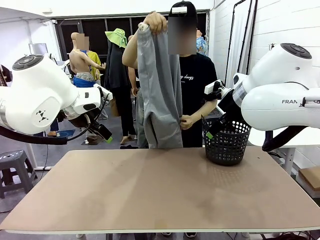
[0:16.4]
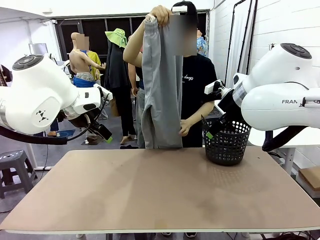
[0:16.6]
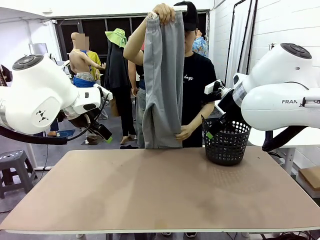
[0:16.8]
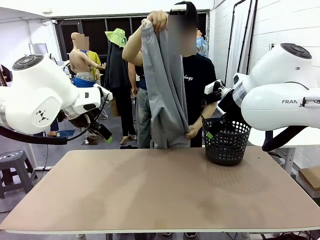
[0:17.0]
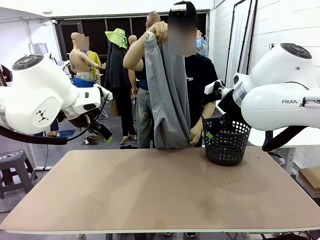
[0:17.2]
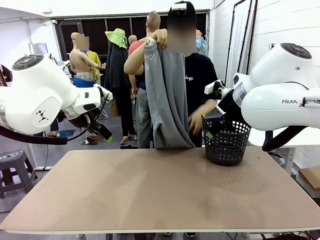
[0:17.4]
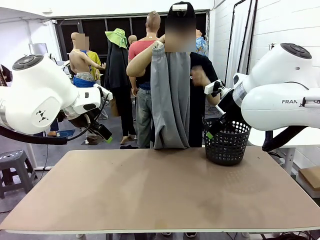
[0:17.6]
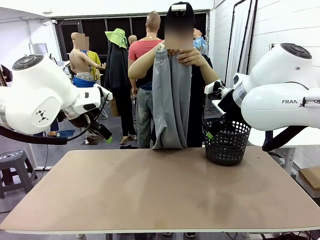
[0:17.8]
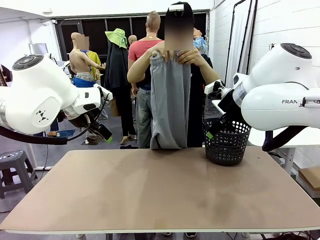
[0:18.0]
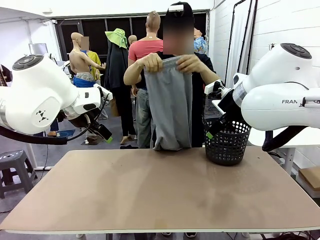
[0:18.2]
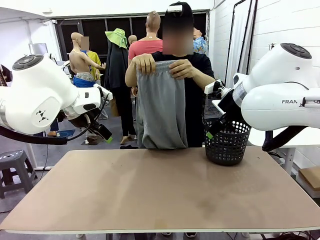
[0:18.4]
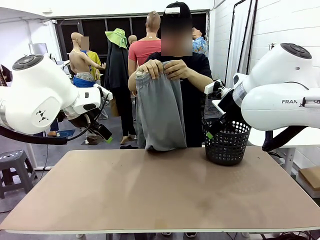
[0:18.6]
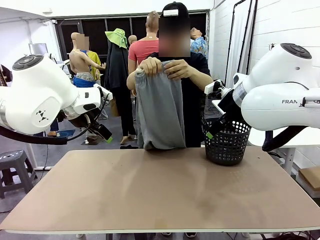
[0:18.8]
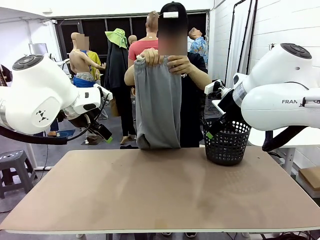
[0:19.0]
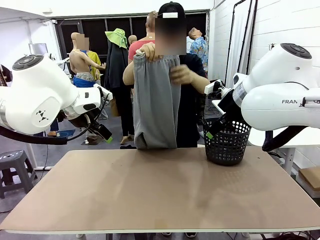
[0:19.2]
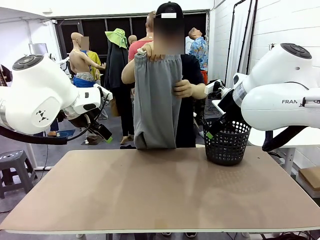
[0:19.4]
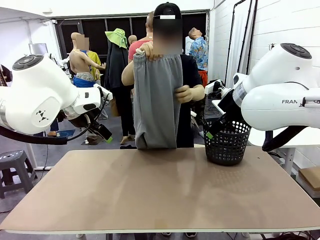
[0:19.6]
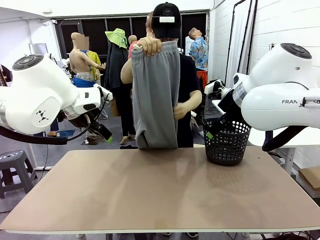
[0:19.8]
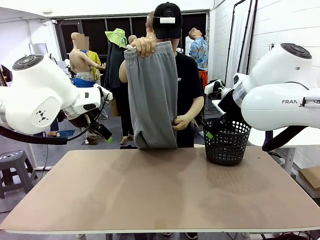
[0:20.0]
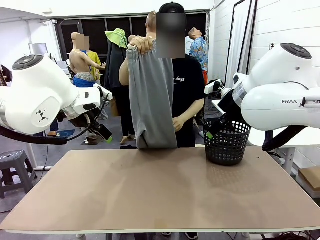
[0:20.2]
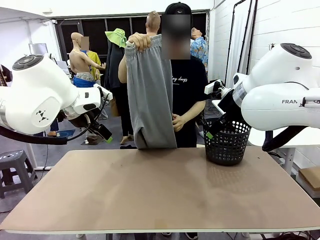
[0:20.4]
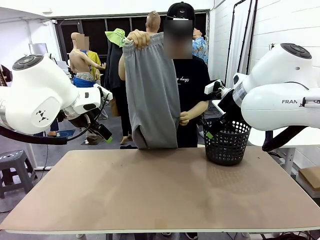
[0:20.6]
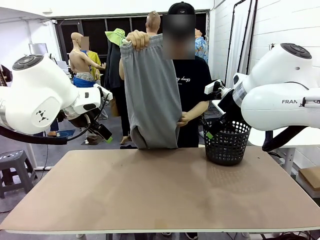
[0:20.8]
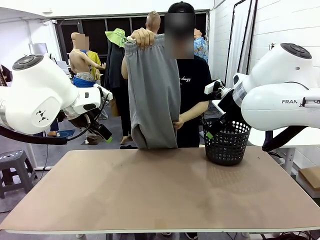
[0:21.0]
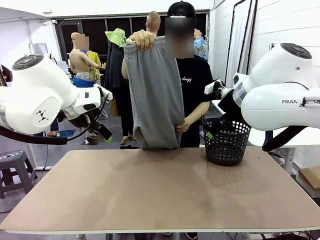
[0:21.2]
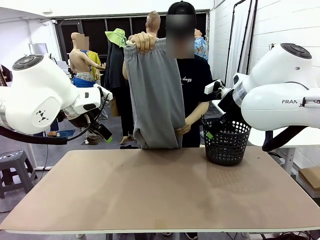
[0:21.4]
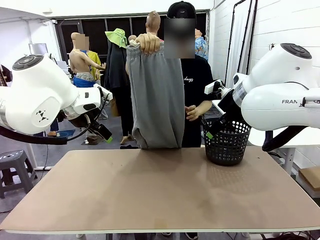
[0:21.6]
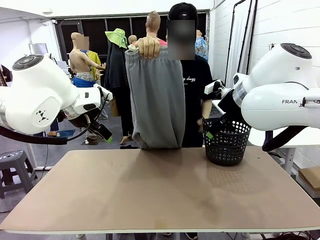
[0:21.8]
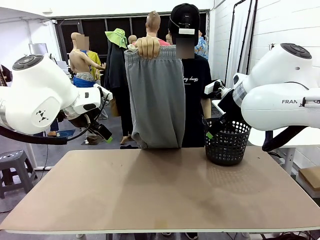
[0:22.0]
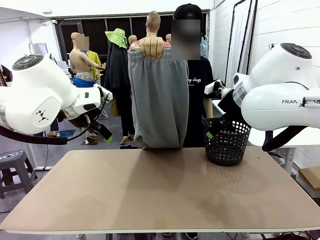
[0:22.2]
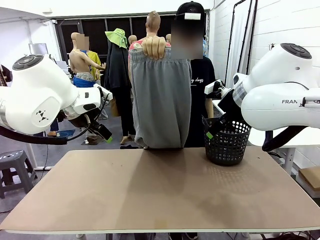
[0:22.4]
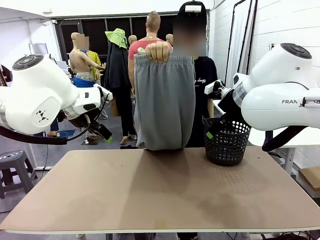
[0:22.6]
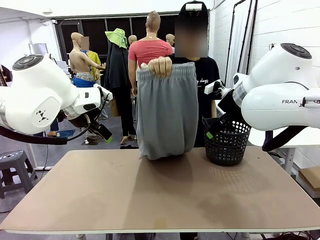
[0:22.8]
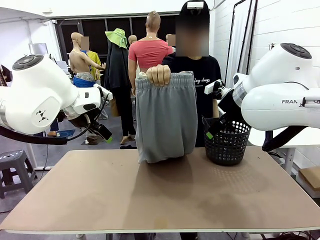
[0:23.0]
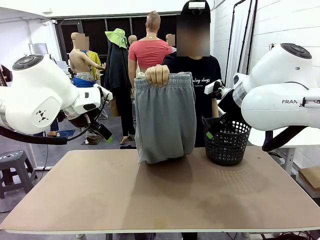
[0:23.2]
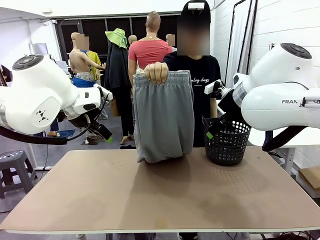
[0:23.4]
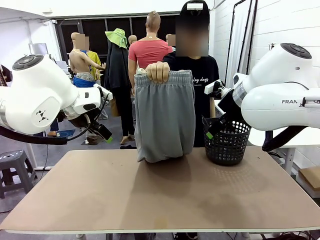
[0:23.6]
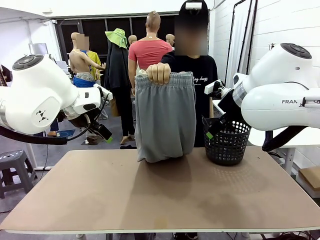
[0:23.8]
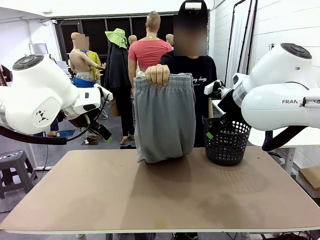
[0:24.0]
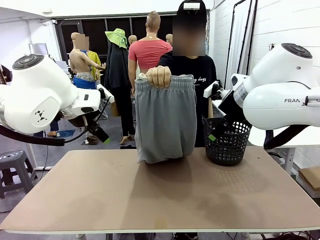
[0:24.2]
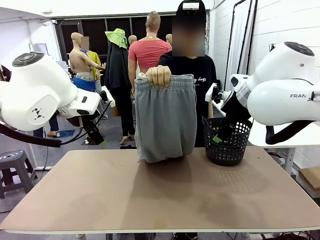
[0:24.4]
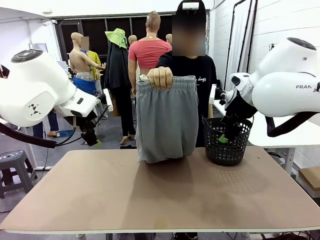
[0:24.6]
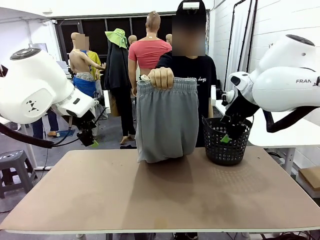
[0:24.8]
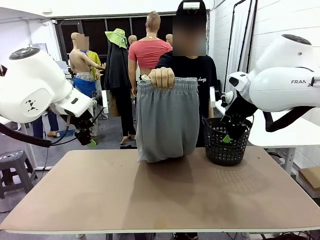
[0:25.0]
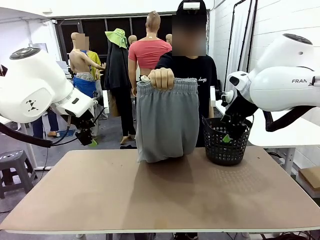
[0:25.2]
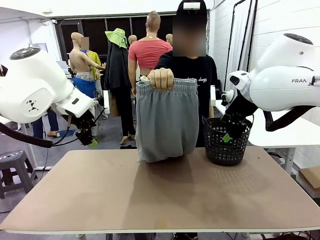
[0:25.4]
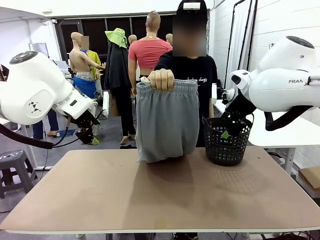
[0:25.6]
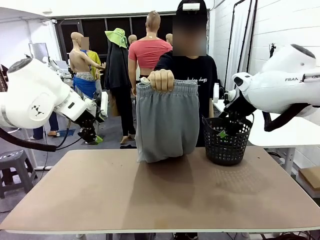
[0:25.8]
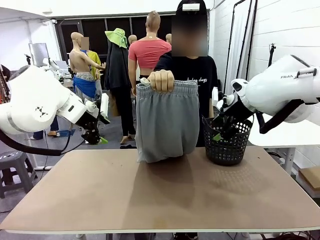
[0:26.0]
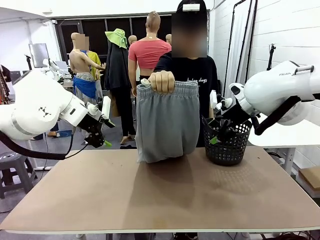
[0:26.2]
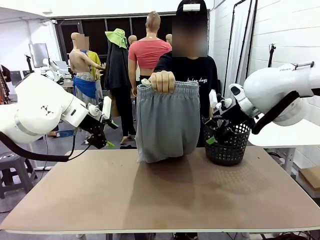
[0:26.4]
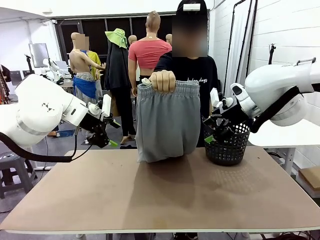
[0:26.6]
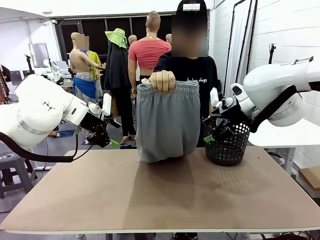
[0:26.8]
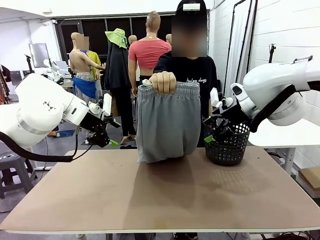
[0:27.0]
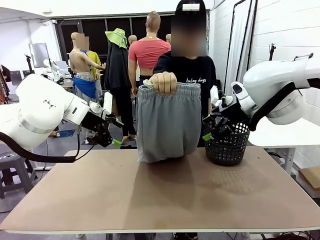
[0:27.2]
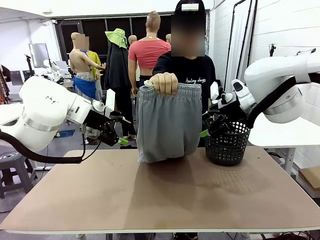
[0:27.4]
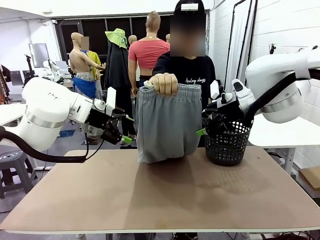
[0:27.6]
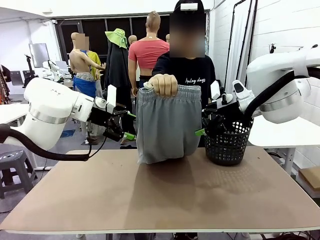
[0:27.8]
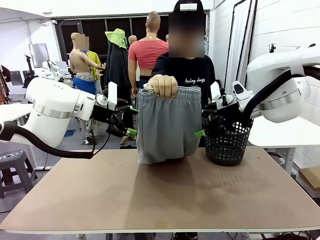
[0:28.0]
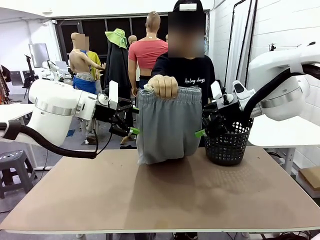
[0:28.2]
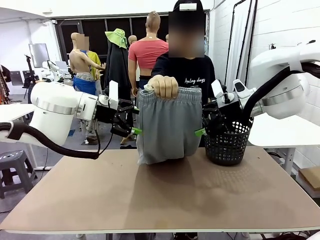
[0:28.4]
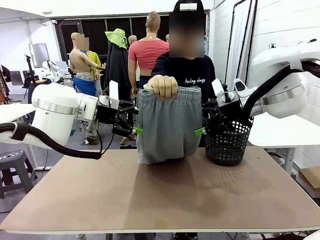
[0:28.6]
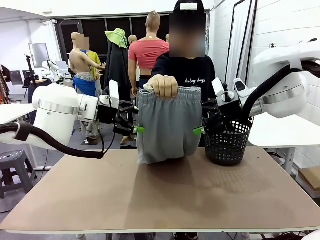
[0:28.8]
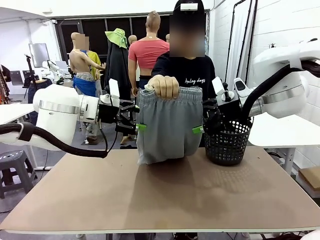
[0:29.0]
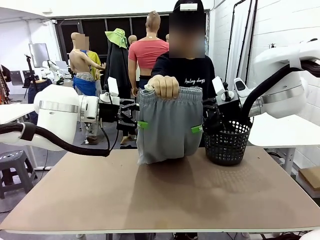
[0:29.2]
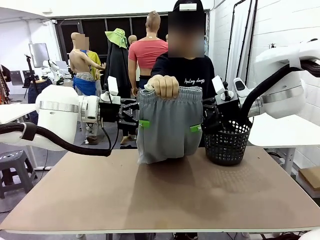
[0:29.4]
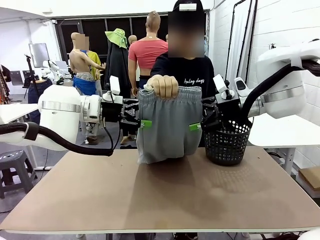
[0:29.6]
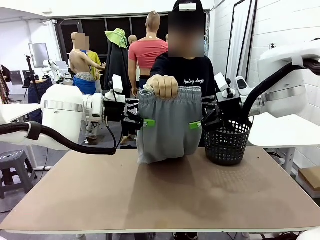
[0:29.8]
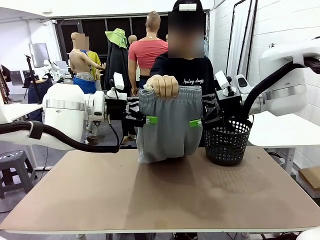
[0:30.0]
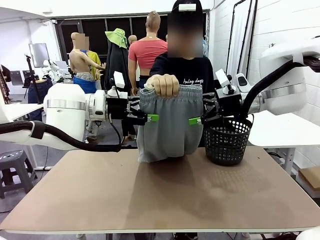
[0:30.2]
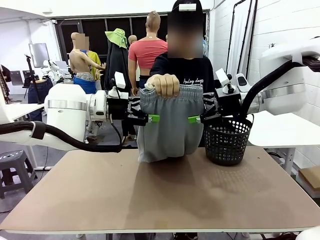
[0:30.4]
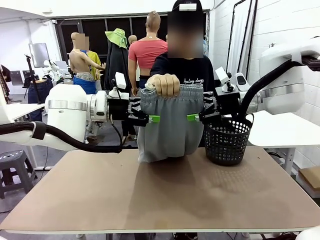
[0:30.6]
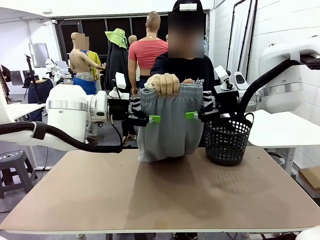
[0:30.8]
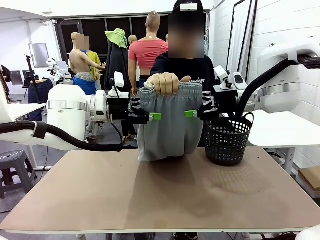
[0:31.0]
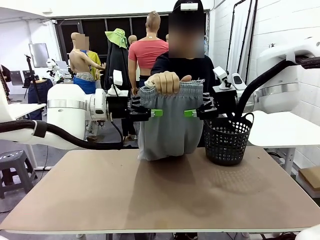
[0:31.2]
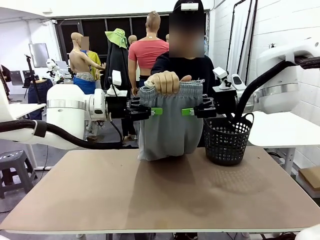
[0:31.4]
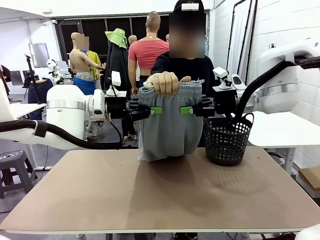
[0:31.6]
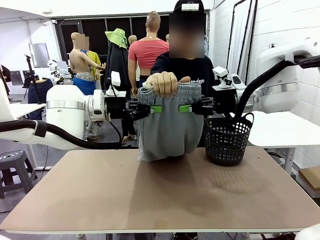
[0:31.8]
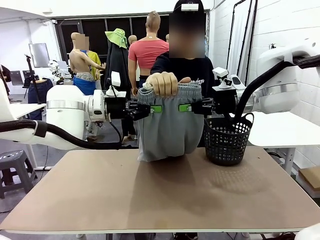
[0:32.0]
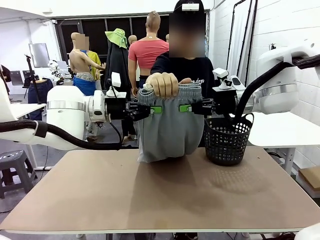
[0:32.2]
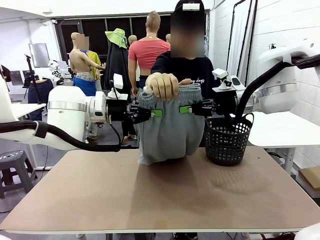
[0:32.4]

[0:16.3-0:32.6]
Task: Fold the training pants.
Robot: Grab both ends of the Training pants handed by a person.
